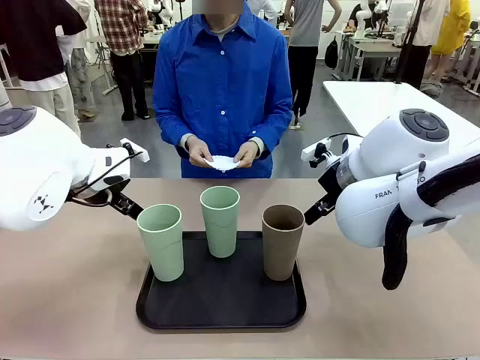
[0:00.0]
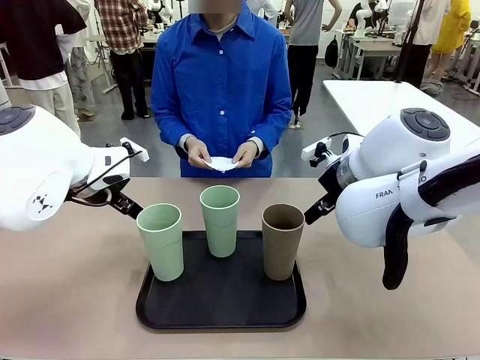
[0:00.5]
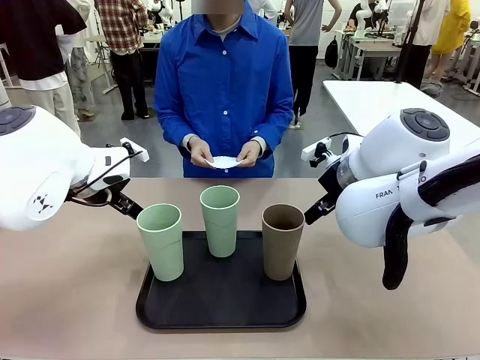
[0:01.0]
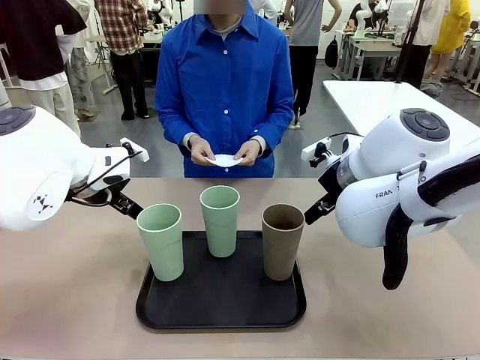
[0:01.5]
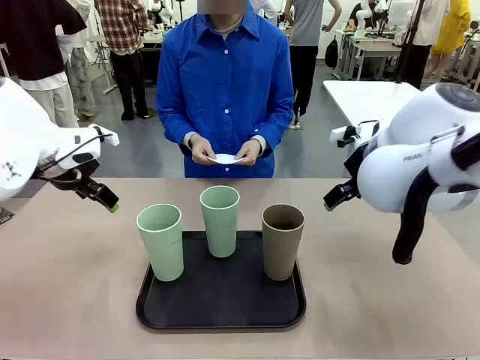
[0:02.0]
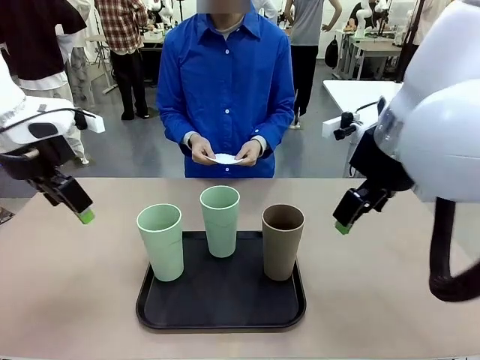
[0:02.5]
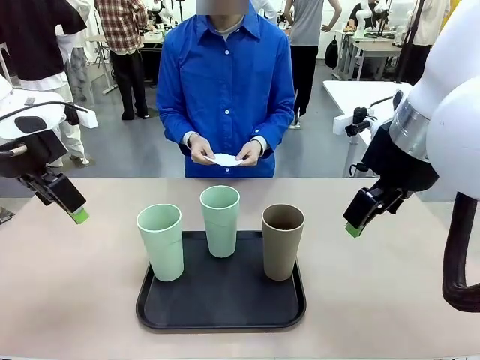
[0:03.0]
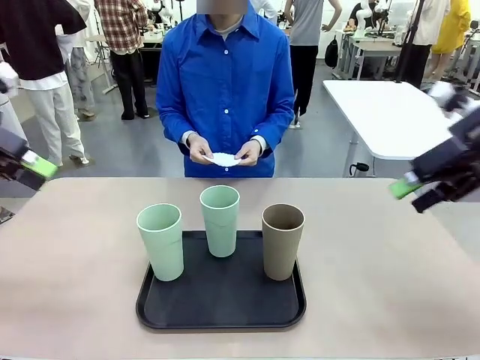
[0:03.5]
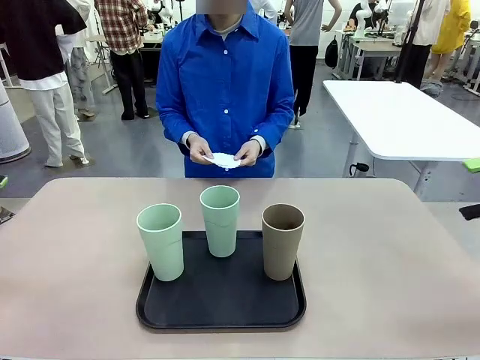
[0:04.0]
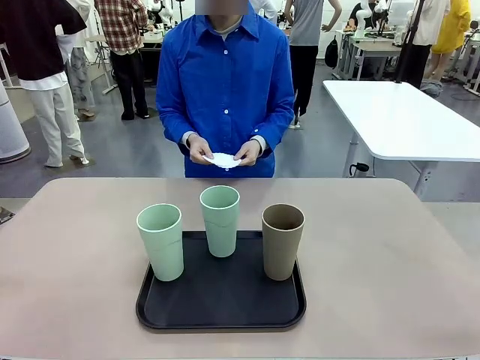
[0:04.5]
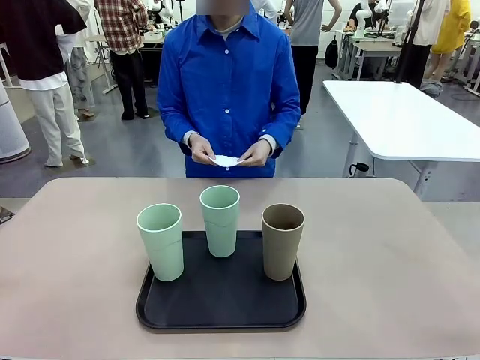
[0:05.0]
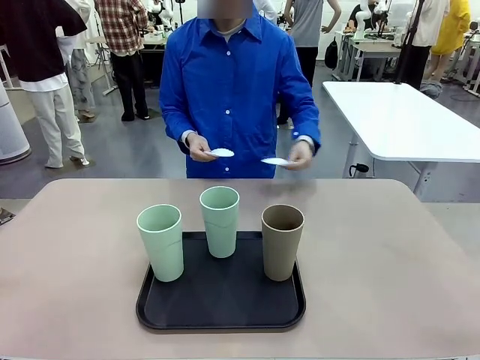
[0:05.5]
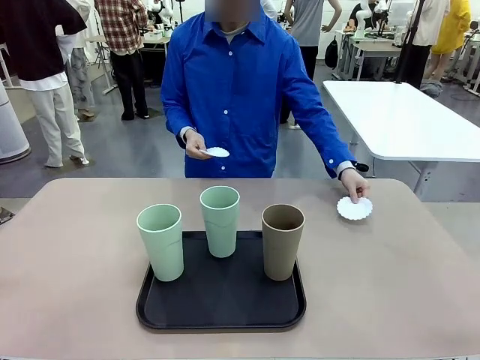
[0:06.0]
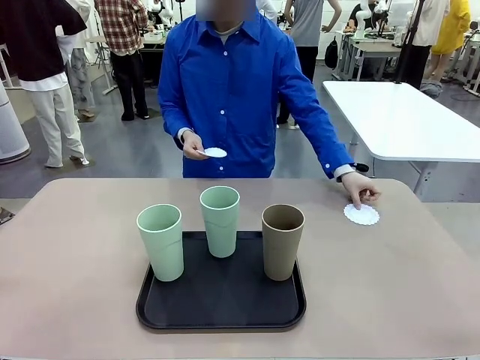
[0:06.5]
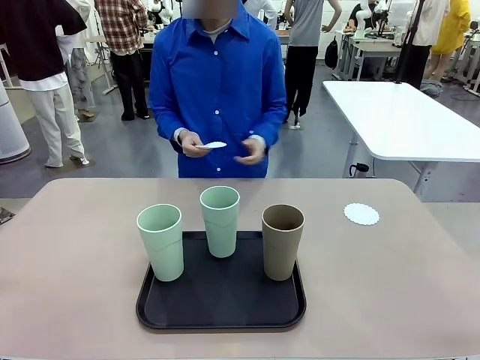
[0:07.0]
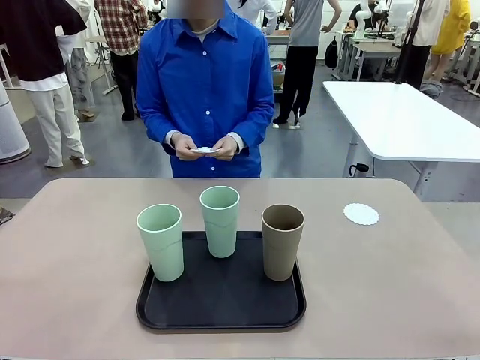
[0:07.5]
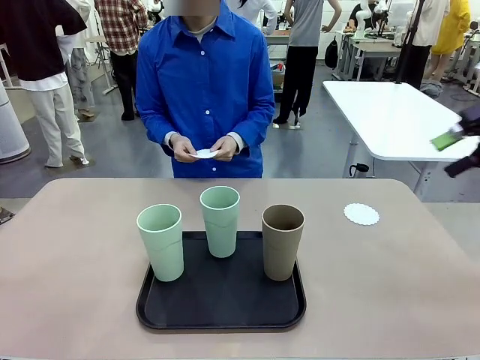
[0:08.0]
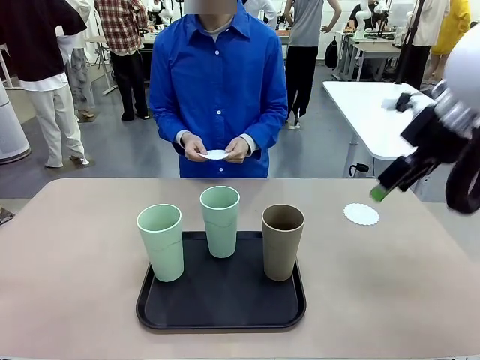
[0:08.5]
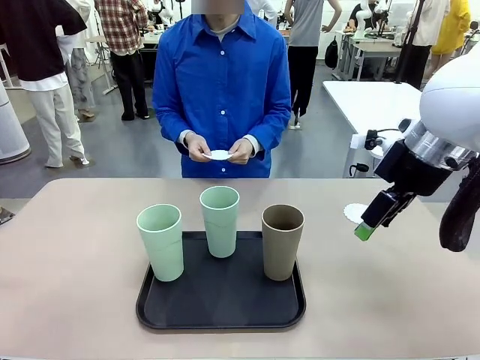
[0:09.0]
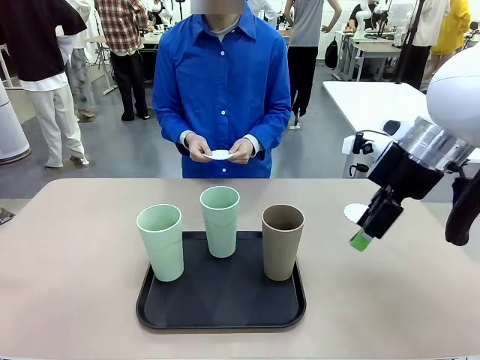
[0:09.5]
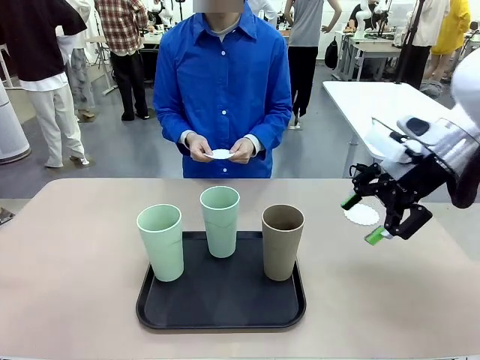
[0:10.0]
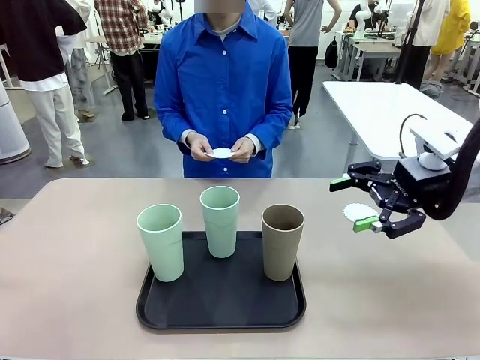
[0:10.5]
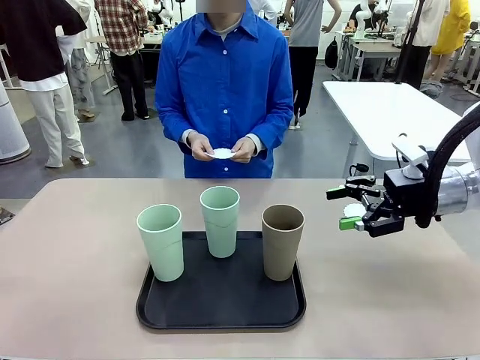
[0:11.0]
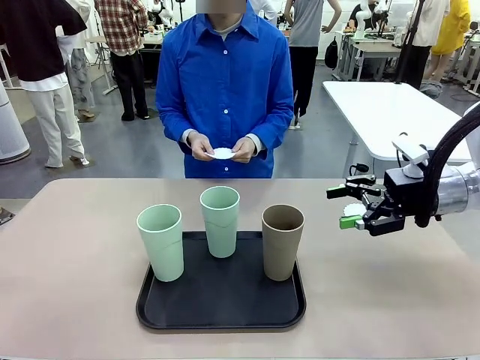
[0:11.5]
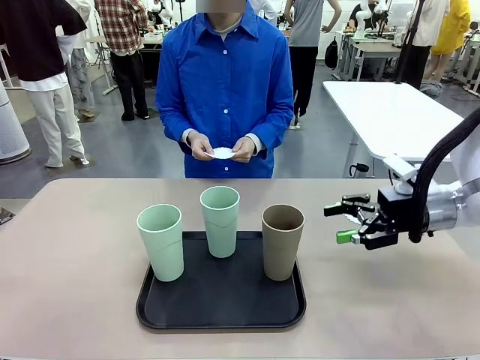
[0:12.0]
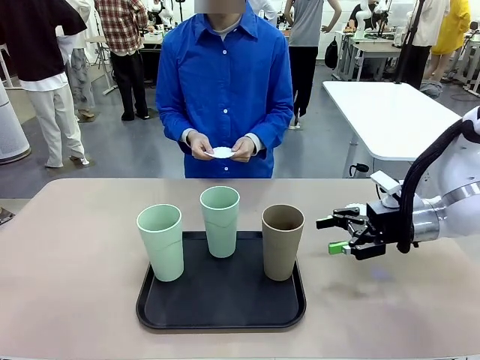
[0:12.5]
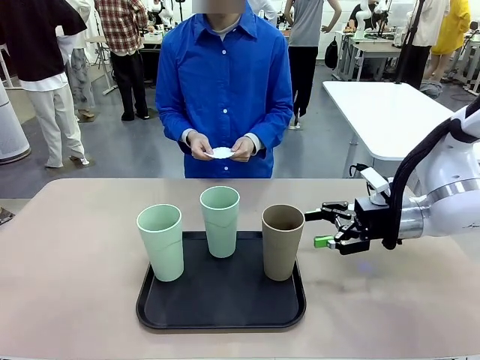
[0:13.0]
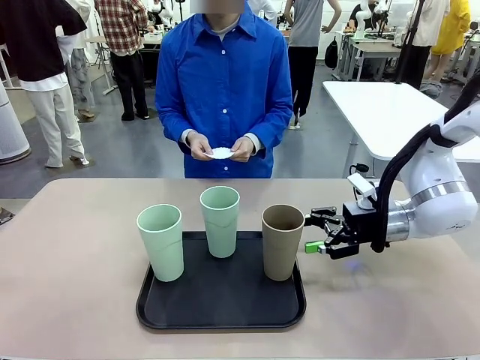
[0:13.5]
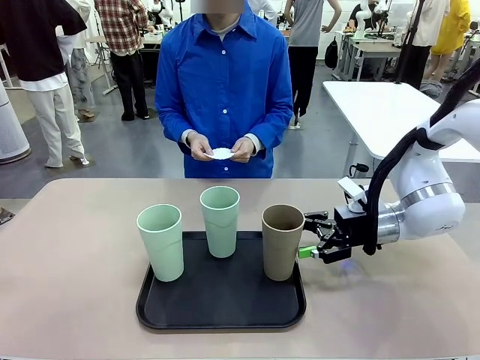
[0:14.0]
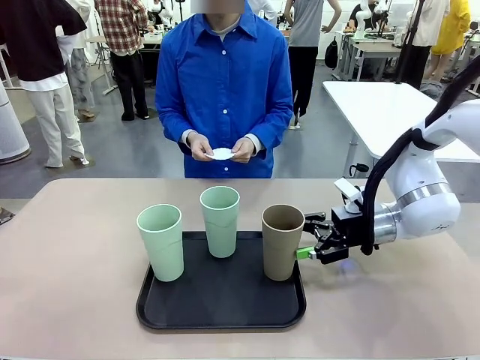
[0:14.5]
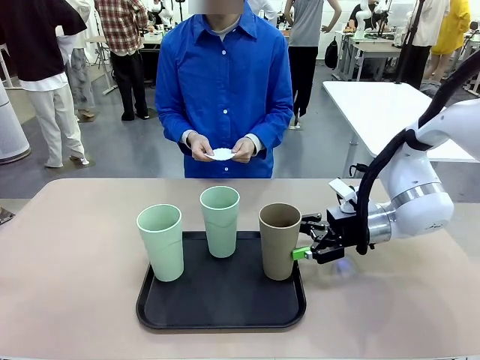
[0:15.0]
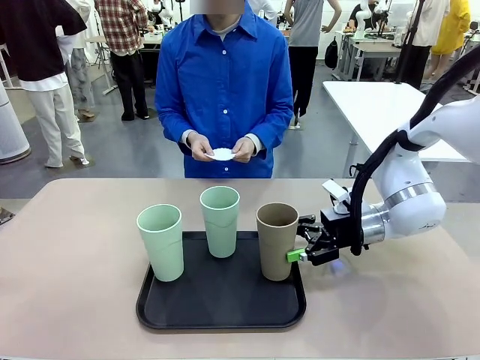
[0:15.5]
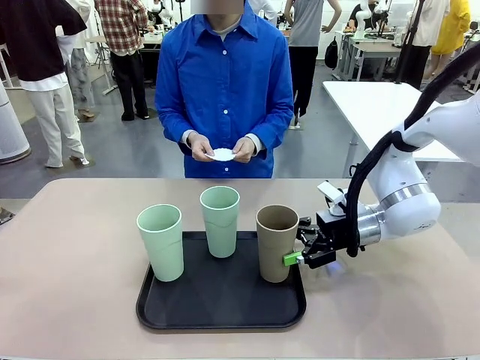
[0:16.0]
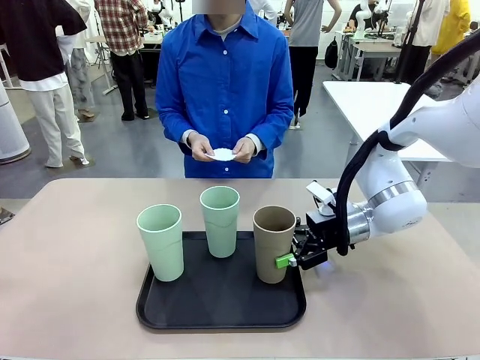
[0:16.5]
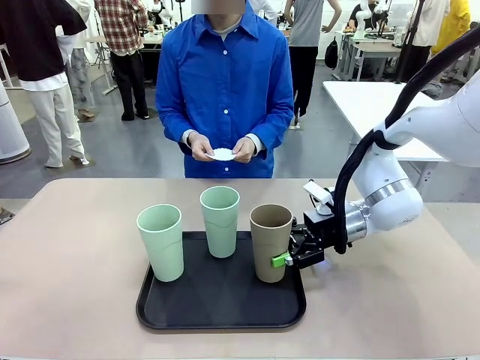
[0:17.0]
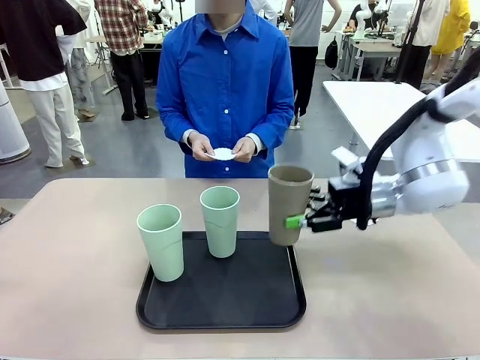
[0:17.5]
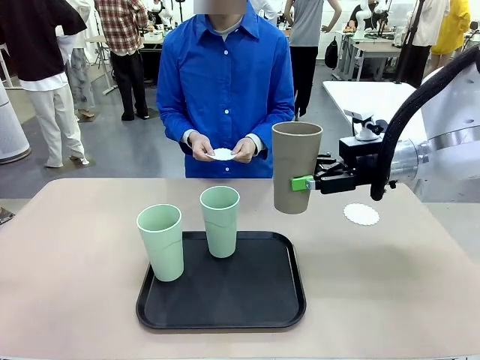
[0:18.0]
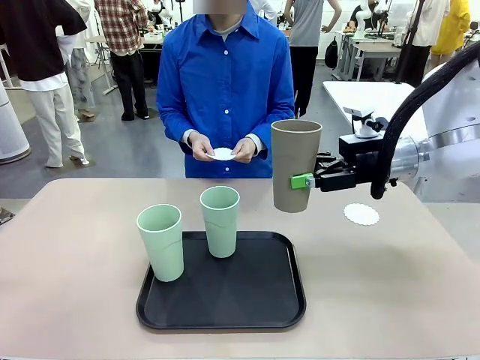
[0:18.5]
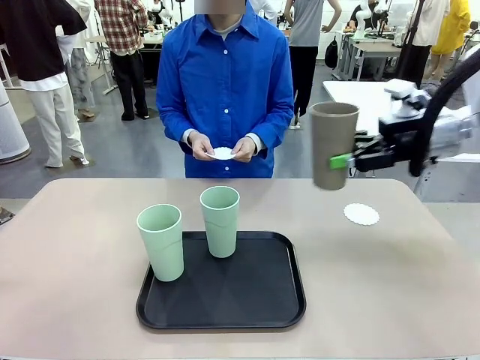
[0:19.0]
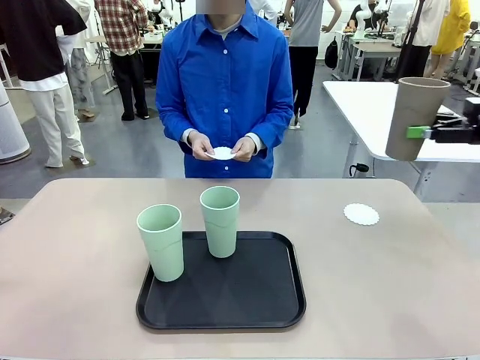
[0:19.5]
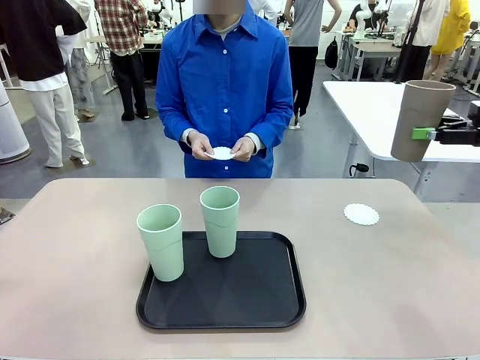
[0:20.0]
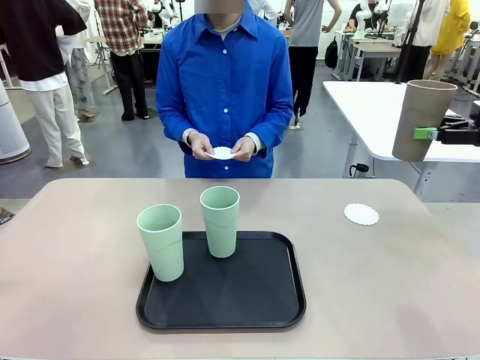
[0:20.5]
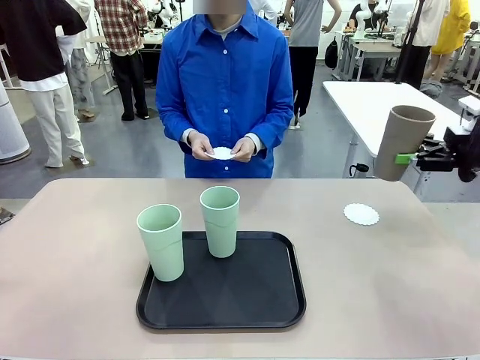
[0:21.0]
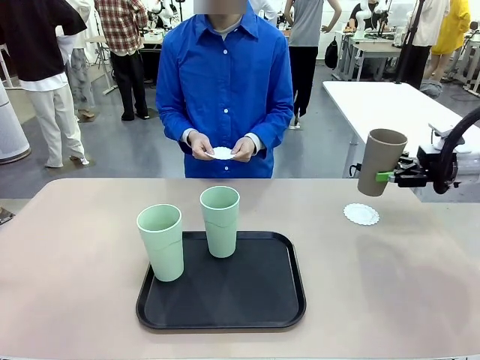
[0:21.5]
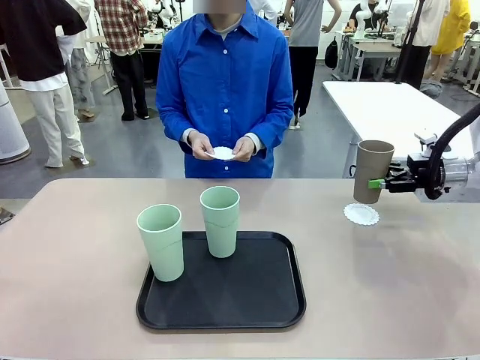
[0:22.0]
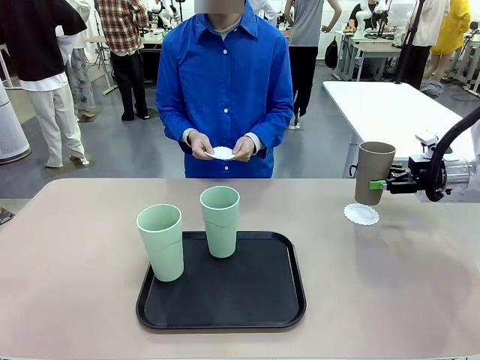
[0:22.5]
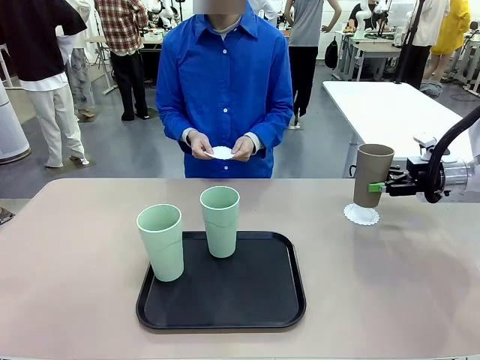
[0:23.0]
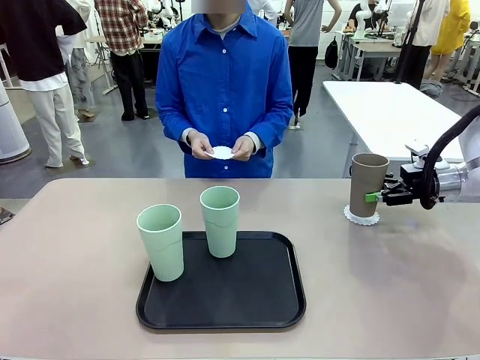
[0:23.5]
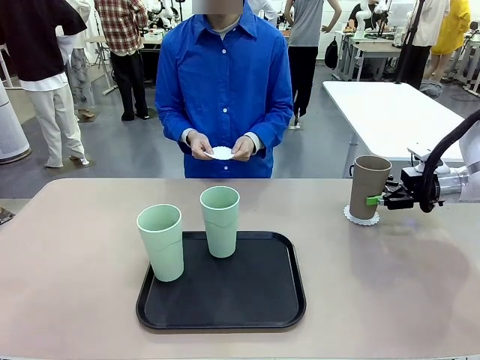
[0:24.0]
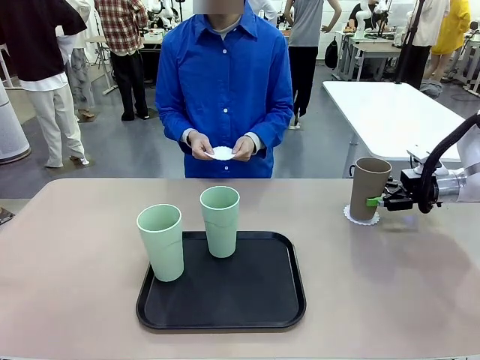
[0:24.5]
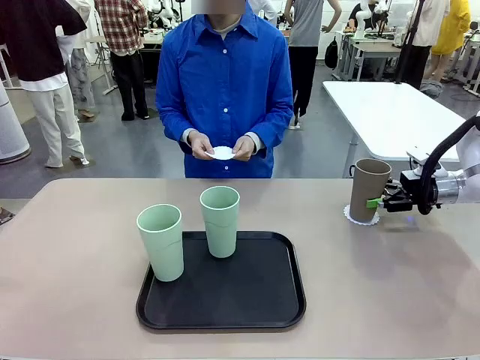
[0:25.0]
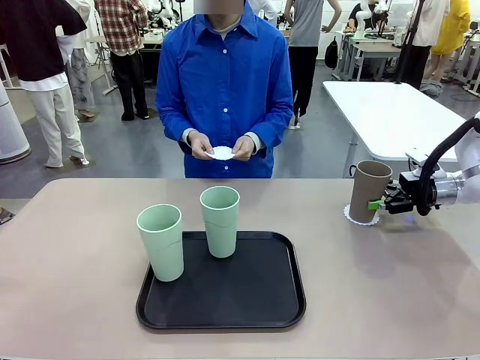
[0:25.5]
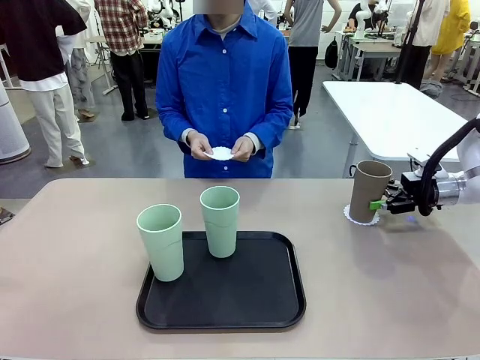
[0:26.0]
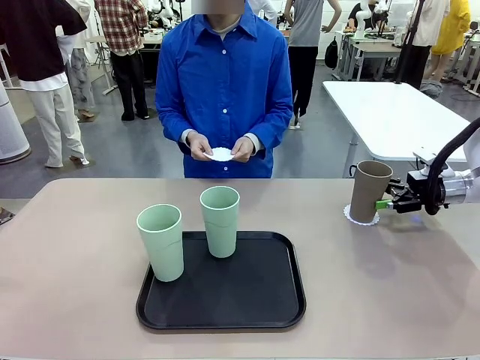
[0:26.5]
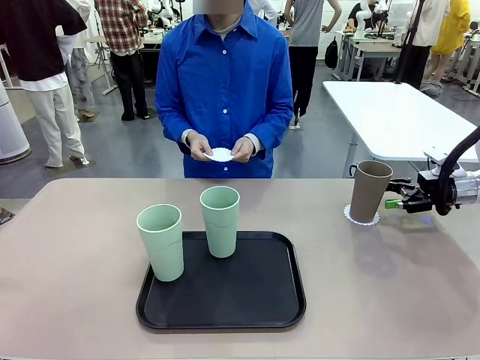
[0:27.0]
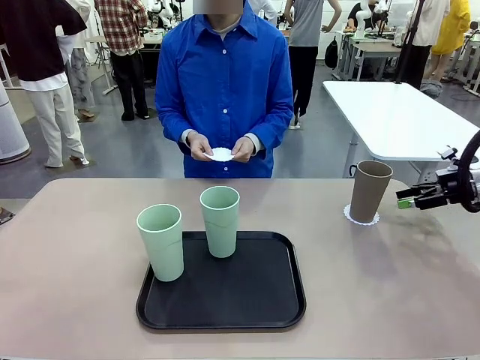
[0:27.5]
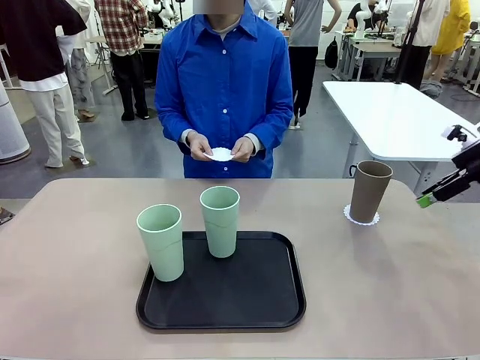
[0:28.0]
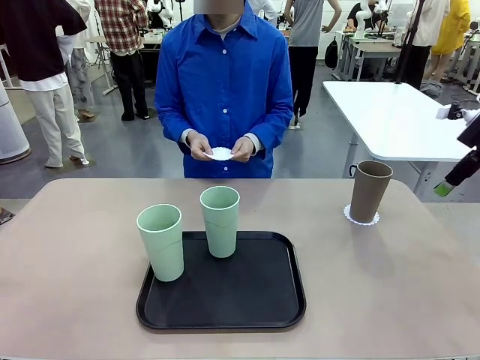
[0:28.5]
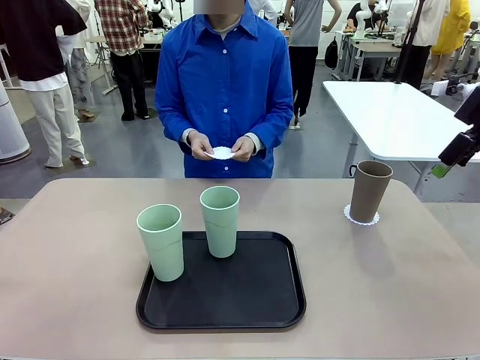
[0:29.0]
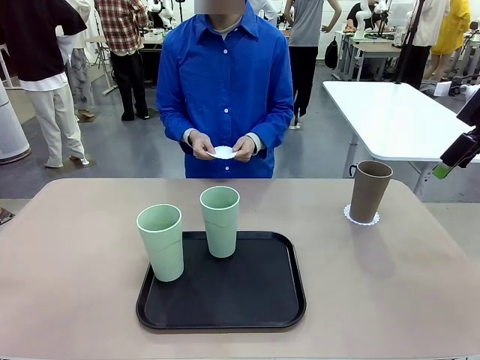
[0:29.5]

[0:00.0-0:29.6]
Task: Place coasters on the table and set cups on them.
Robot: Pick up one Reusable plastic cup and place it on a coaster set by the human.
Person: Place one coaster in any one of the three lower areas of the robot table (left, center, or right). Place one coaster in one of the two areas excluding the previously selected area.
